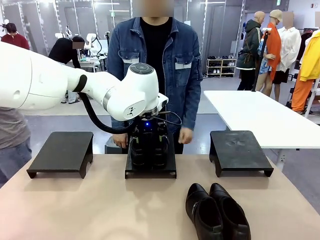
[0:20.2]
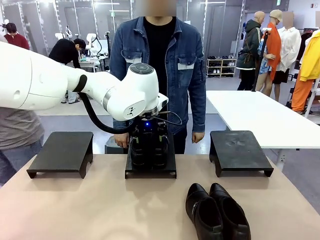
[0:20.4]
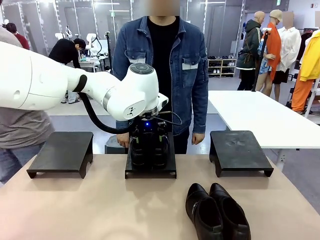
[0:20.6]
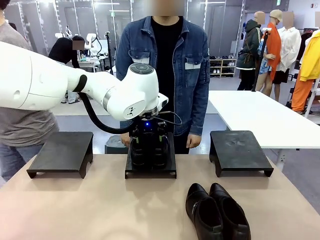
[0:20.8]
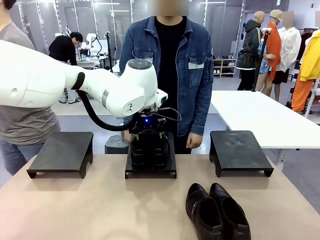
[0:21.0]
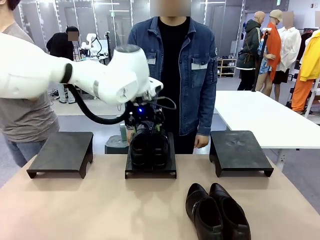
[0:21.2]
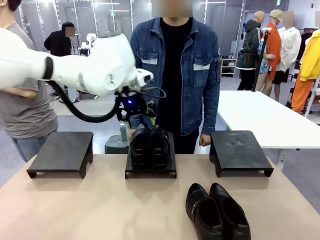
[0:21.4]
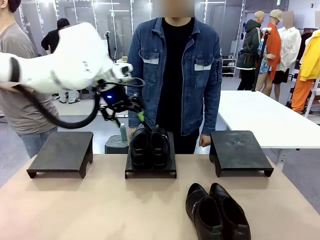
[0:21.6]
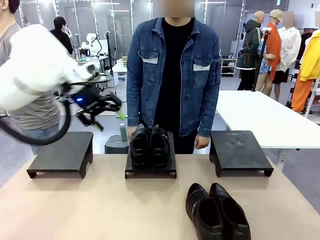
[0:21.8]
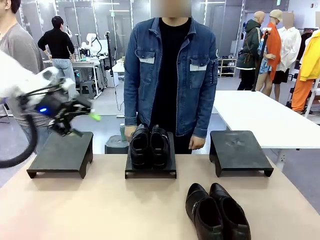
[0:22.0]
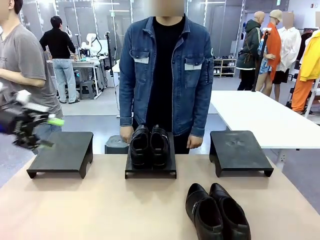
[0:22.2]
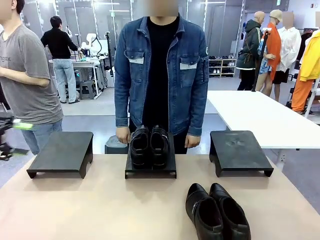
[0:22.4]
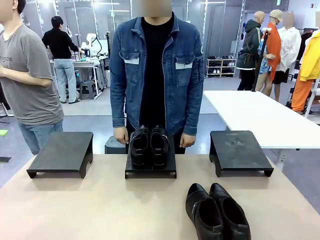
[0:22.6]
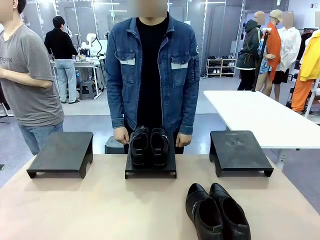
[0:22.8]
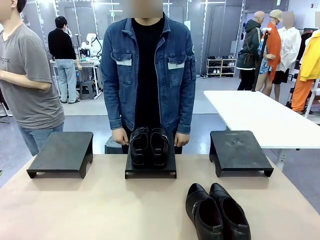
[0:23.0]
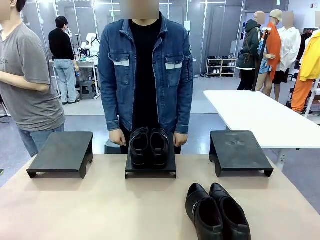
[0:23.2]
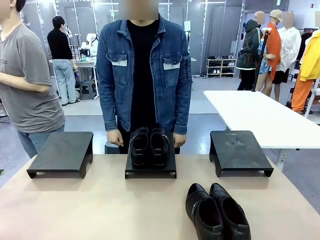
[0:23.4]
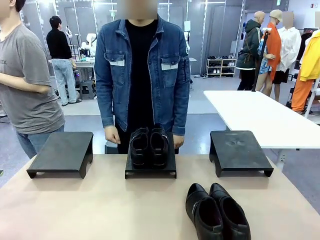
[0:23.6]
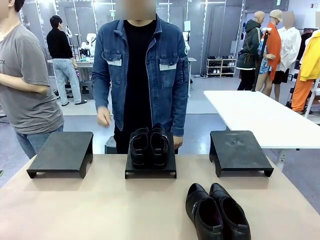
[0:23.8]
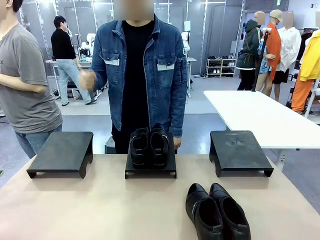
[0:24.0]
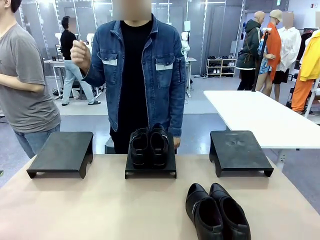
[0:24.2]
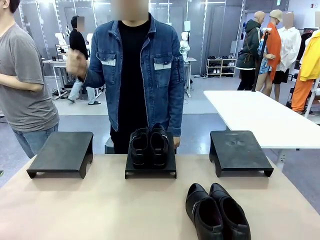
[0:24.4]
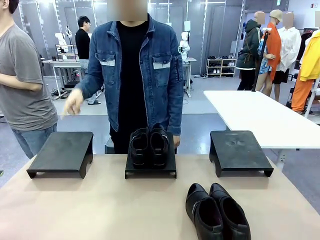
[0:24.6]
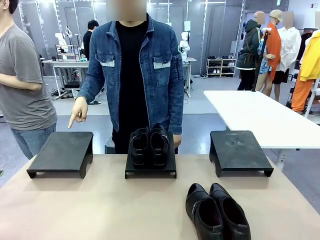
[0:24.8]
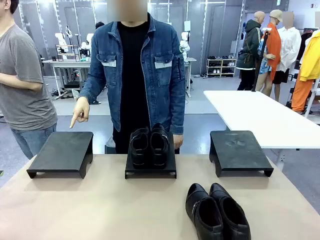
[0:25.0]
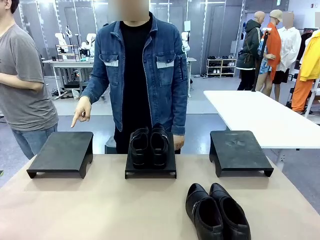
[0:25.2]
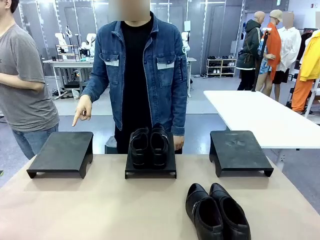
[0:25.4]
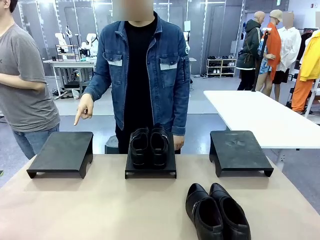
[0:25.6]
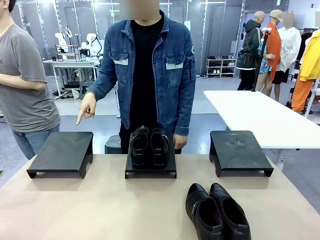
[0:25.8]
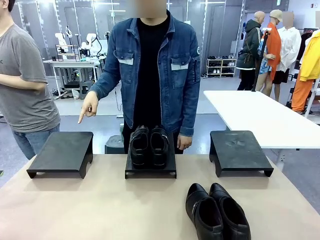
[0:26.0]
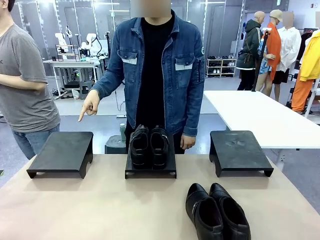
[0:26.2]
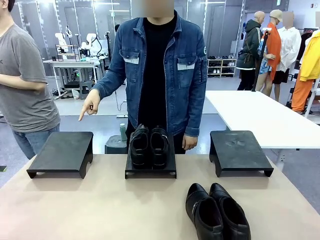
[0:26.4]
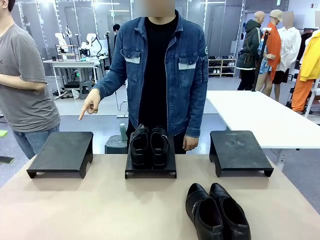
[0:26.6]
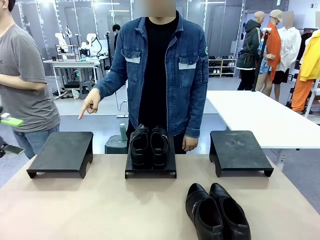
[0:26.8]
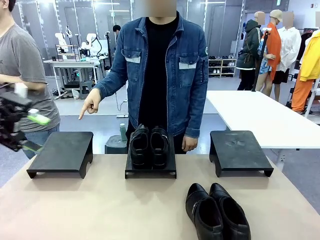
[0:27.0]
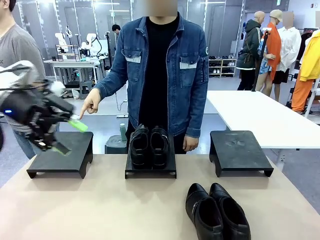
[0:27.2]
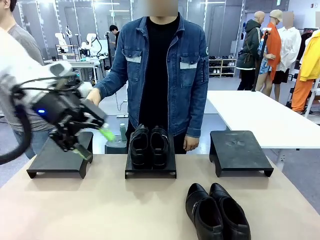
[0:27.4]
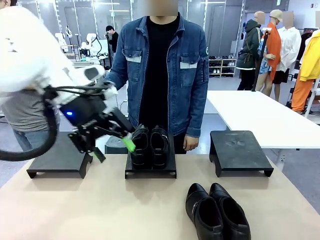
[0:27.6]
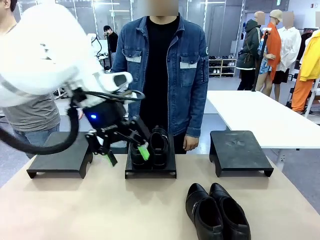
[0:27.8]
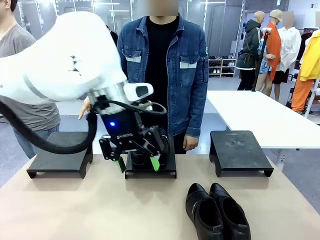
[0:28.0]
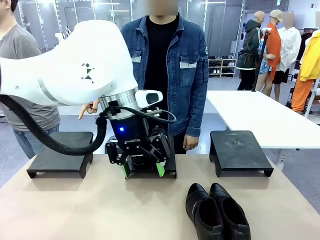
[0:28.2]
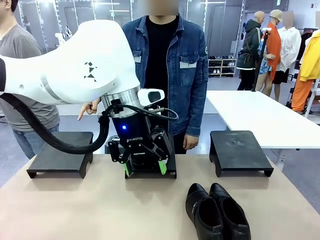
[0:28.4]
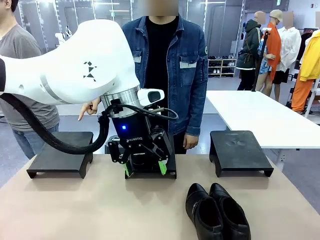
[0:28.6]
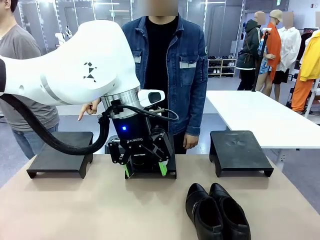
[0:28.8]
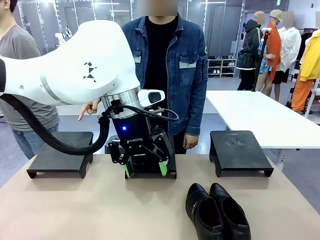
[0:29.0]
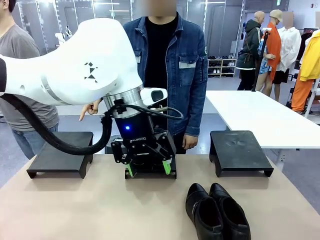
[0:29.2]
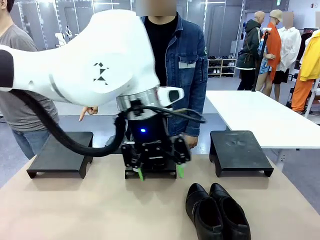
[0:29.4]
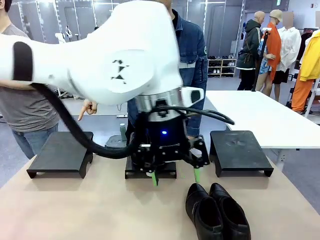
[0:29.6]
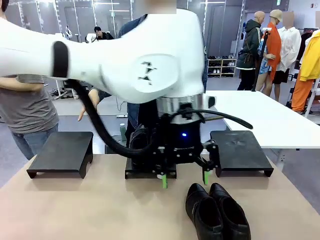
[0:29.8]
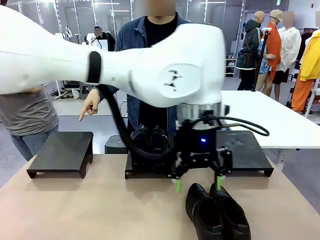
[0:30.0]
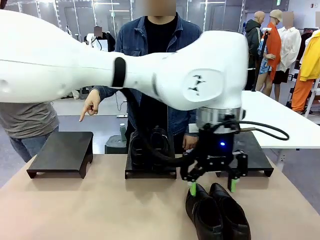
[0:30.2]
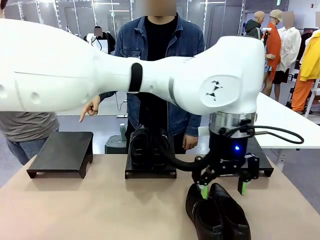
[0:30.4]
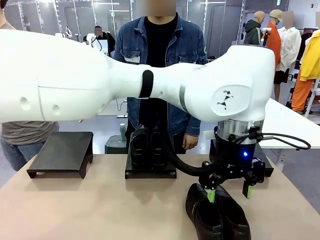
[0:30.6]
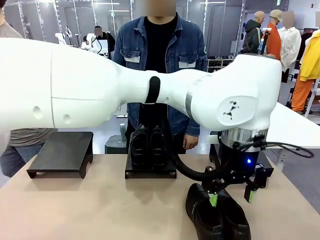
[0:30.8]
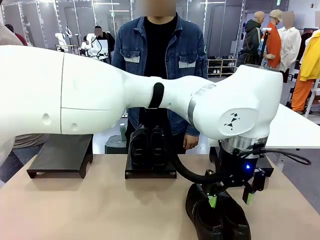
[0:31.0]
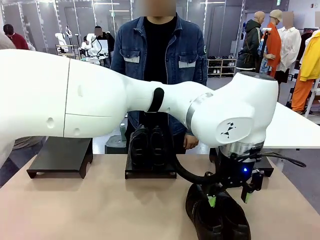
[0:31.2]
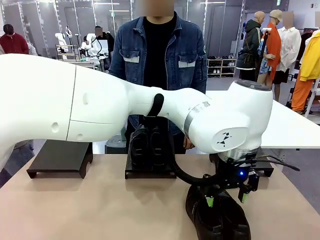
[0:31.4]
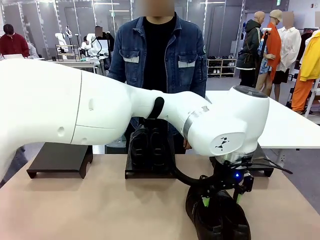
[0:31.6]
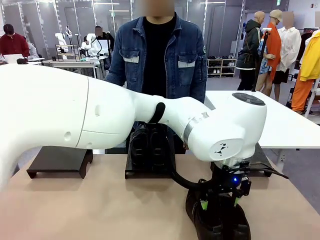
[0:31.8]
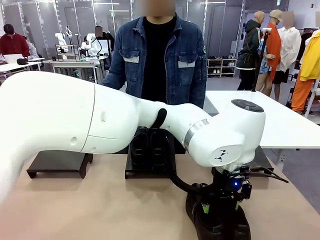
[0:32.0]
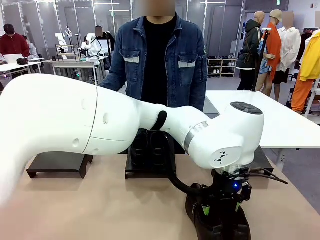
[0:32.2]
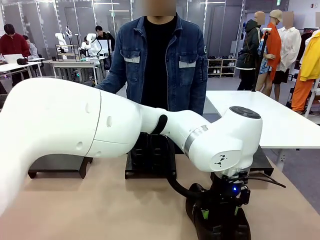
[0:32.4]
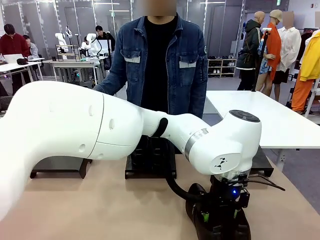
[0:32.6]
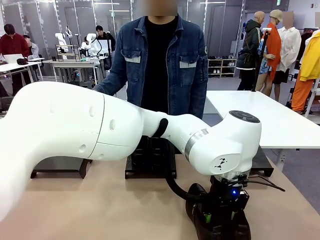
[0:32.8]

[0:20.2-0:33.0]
Task: Place the shoes on the stand as instructed by the person.
Robot: Pick up another pair of Shoes and place it on the Shoes Stand indicated by the person.

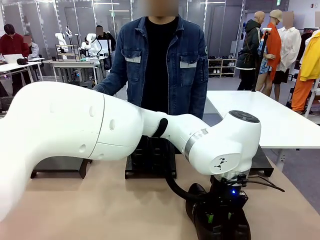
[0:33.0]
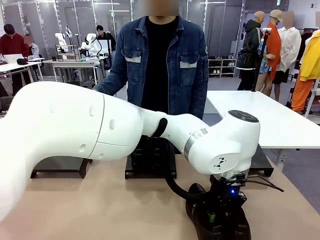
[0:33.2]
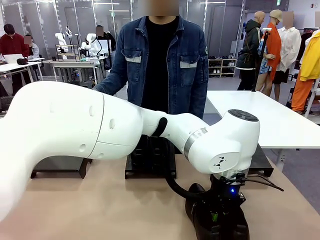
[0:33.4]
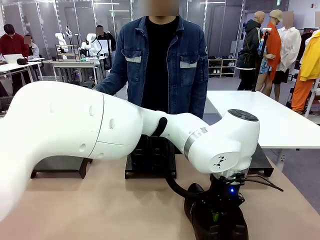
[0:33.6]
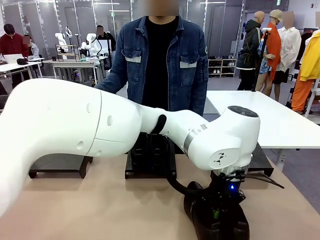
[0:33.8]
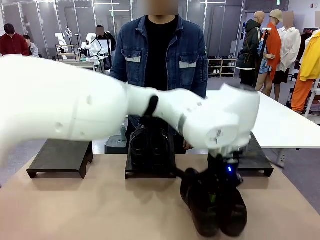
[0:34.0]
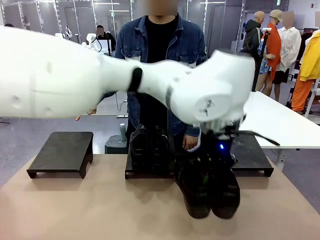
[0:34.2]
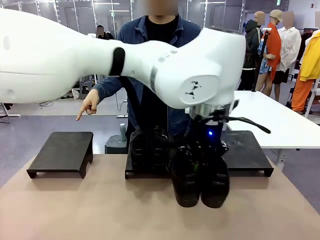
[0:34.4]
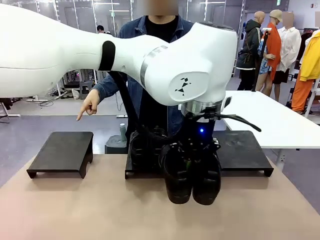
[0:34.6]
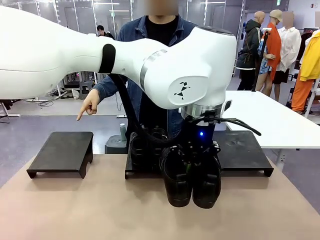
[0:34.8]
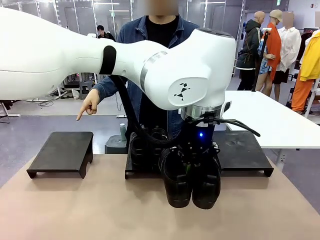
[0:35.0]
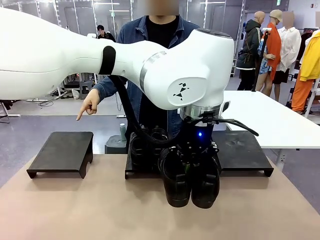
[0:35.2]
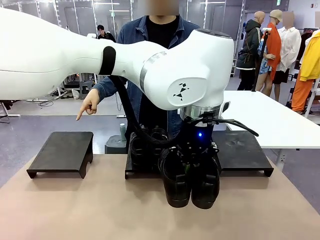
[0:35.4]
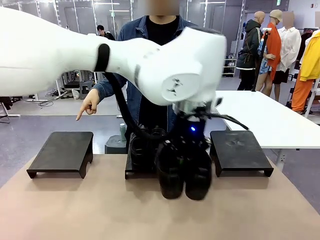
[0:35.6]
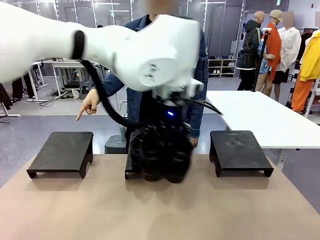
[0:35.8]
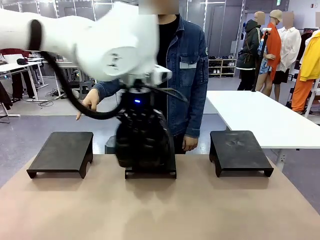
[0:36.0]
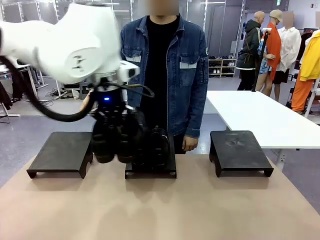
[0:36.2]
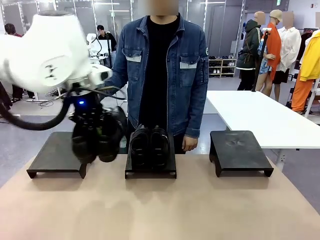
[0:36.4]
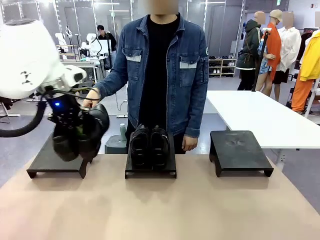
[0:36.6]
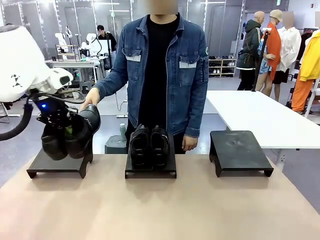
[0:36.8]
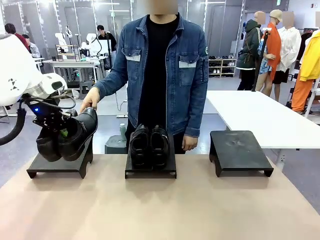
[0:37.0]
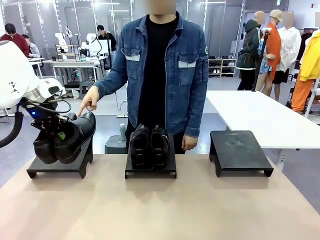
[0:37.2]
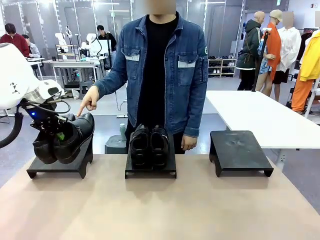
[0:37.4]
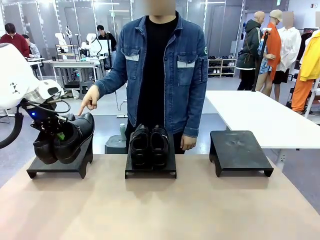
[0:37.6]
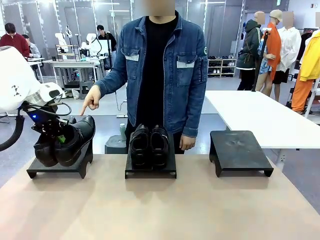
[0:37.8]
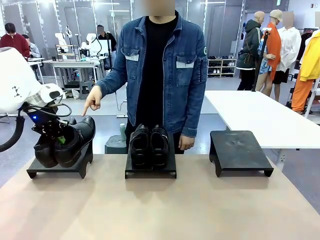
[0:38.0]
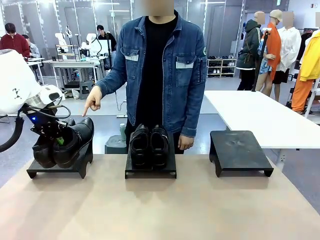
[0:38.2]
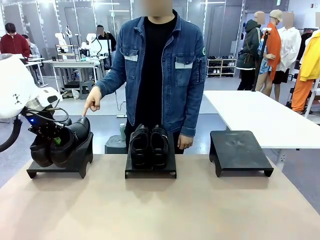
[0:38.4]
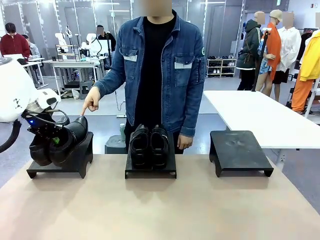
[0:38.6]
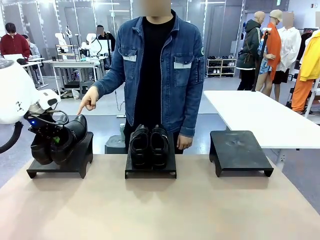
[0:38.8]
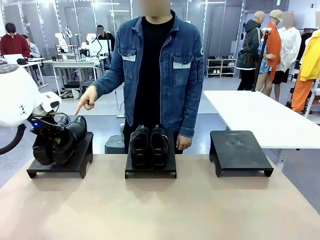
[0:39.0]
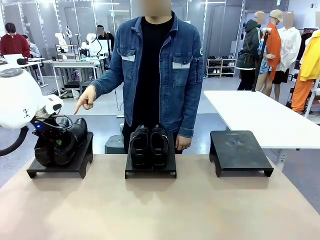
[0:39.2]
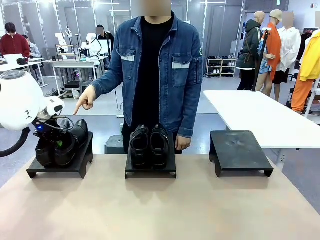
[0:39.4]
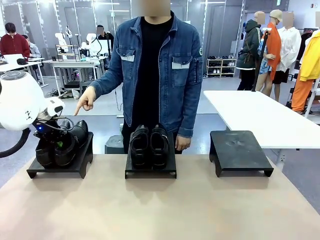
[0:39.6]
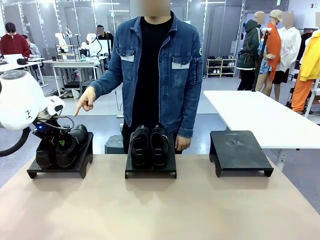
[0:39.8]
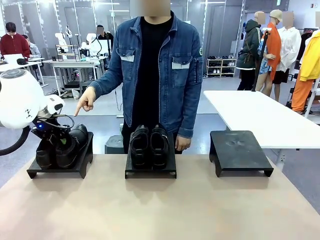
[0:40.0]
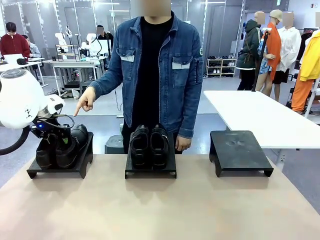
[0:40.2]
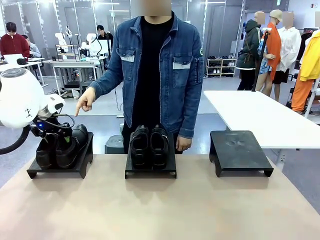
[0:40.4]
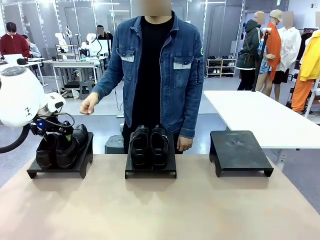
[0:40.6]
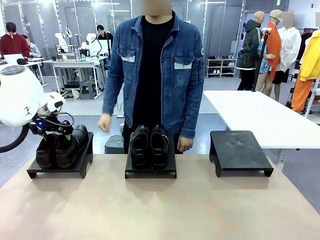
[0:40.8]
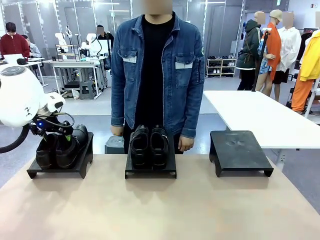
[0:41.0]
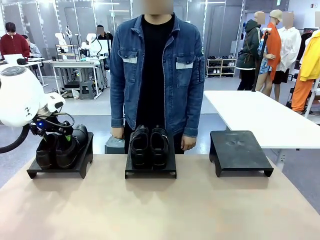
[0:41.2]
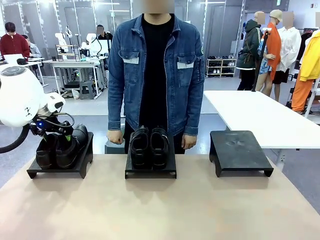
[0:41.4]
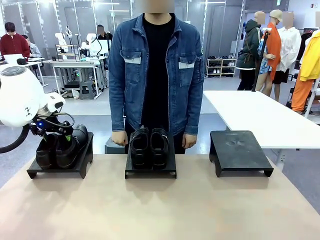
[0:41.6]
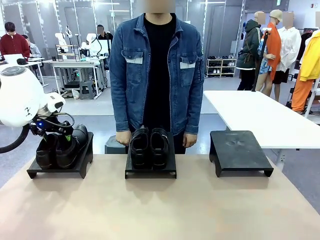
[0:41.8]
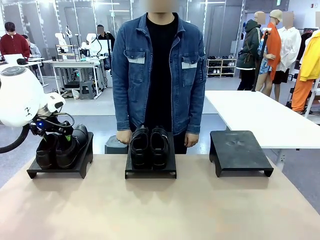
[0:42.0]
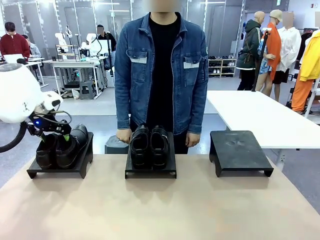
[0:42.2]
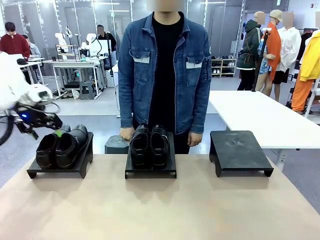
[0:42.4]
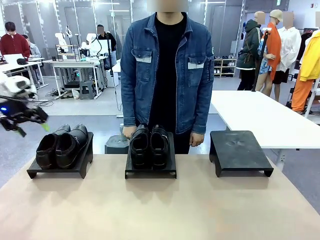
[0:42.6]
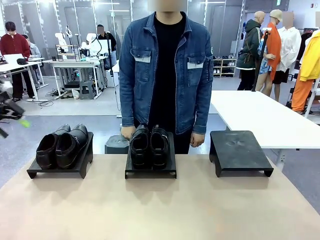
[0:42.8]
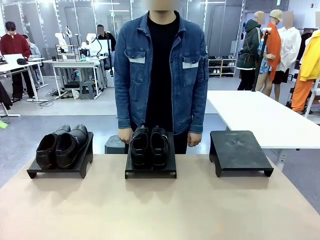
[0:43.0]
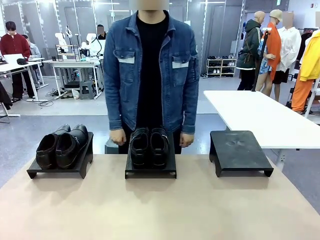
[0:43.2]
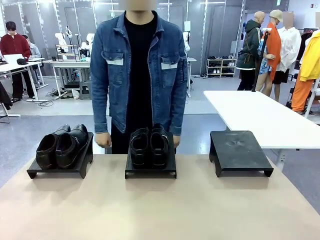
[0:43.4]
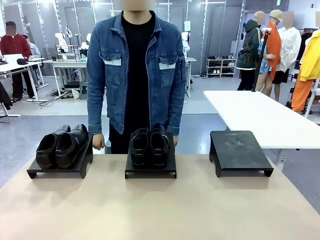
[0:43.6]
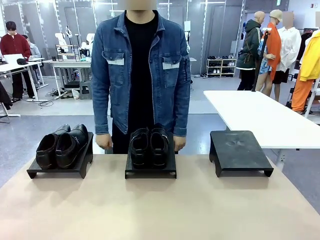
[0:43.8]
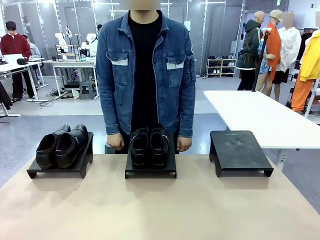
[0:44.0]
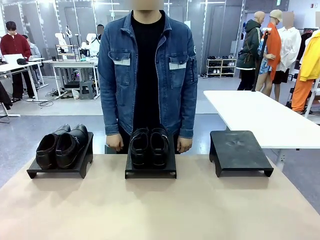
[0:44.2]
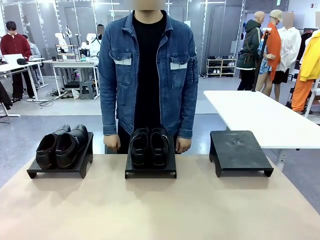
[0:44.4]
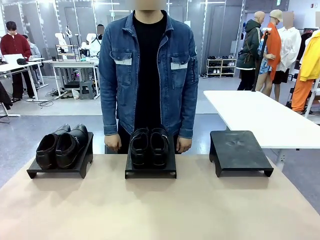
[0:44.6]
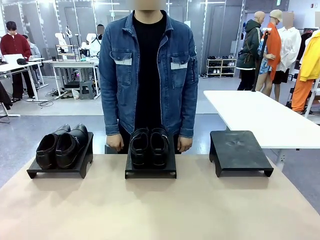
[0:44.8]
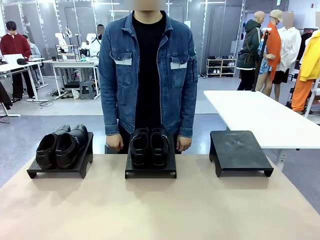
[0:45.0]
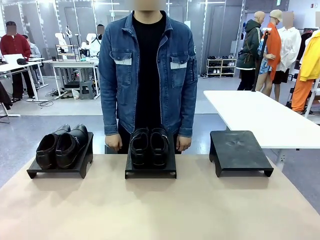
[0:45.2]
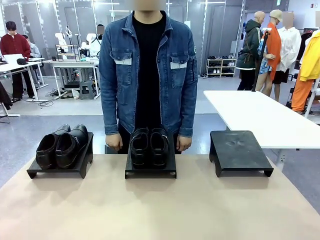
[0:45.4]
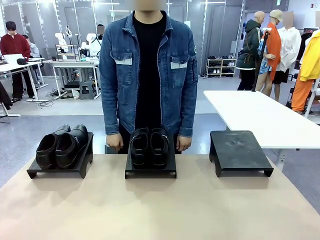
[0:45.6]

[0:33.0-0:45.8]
Robot: Pick up another pair of Shoes and place it on the Shoes Stand indicated by the person.
